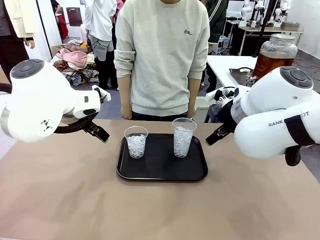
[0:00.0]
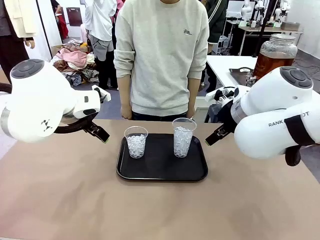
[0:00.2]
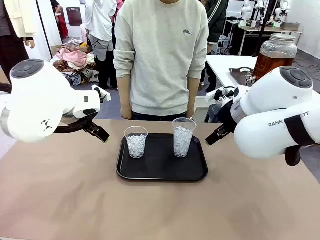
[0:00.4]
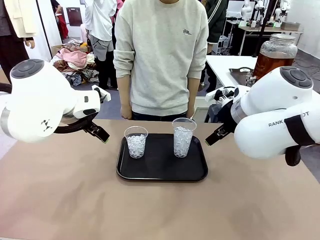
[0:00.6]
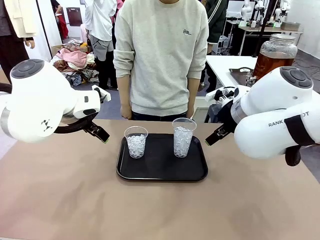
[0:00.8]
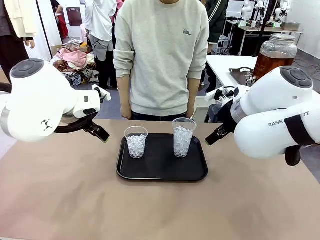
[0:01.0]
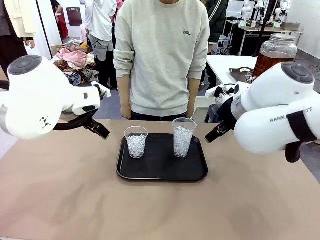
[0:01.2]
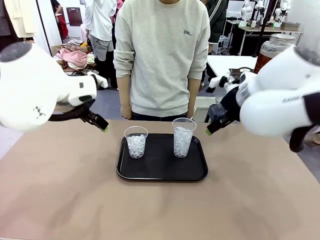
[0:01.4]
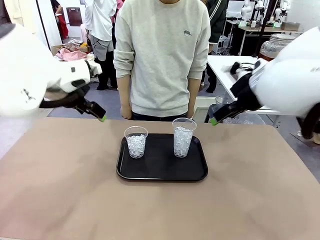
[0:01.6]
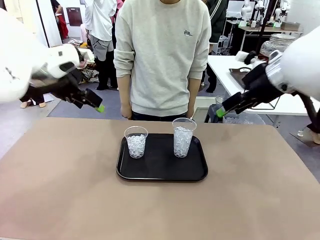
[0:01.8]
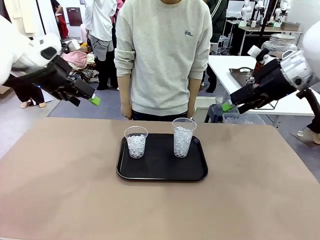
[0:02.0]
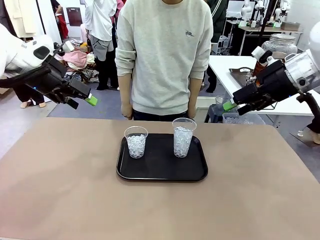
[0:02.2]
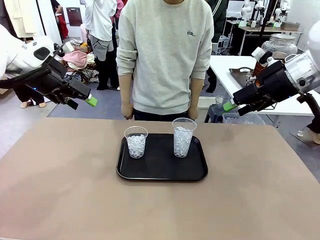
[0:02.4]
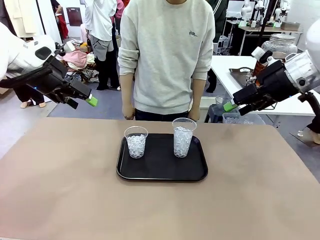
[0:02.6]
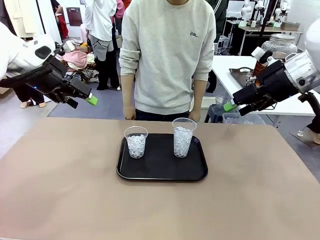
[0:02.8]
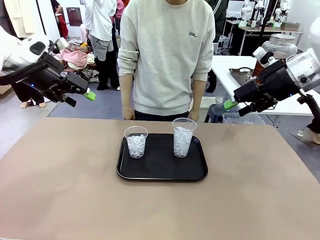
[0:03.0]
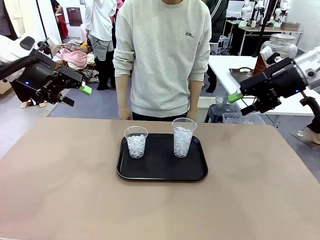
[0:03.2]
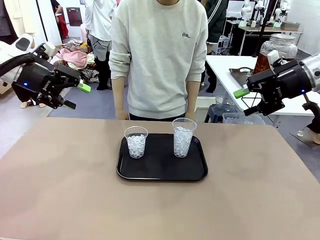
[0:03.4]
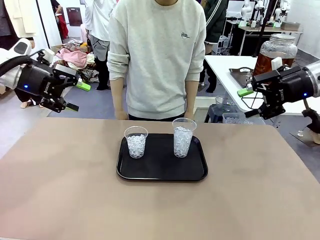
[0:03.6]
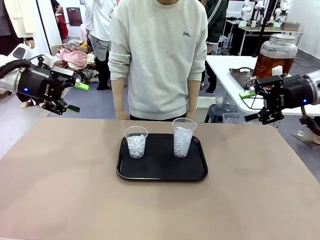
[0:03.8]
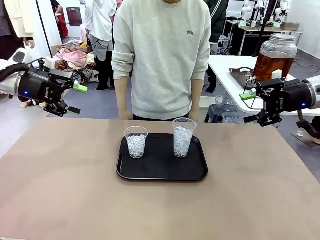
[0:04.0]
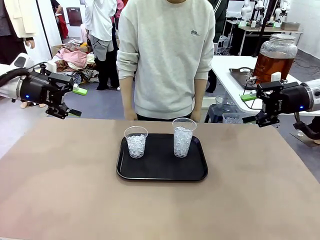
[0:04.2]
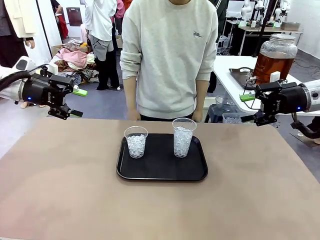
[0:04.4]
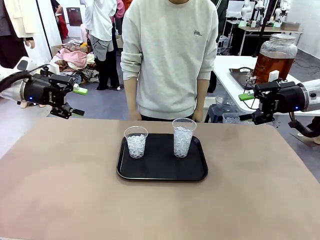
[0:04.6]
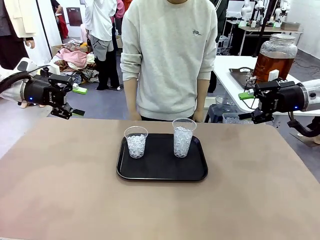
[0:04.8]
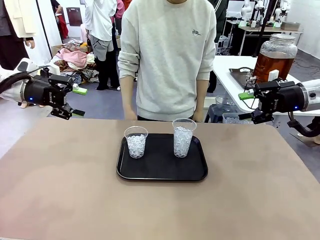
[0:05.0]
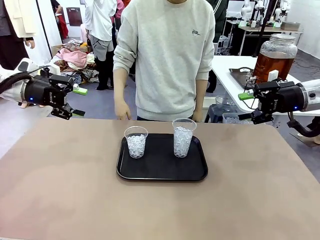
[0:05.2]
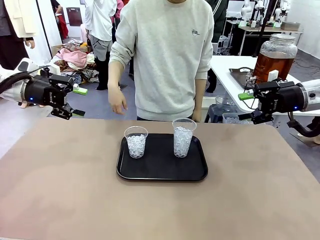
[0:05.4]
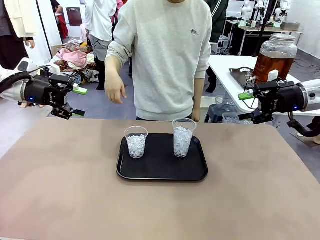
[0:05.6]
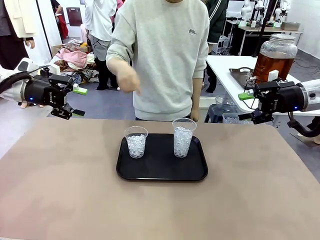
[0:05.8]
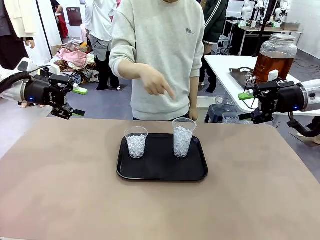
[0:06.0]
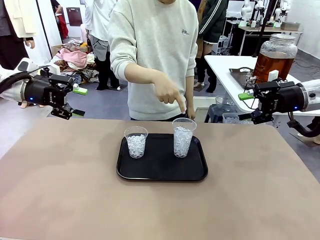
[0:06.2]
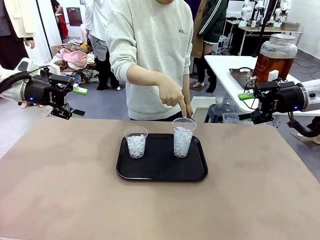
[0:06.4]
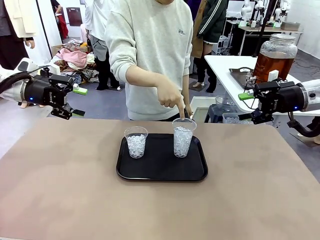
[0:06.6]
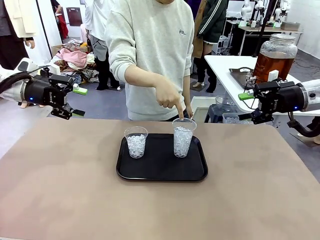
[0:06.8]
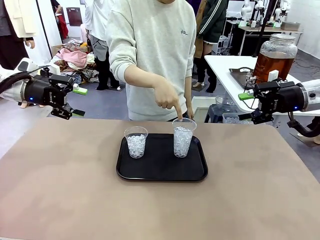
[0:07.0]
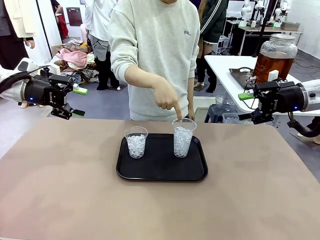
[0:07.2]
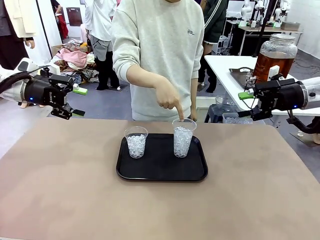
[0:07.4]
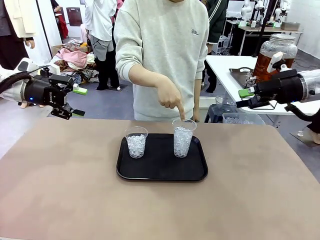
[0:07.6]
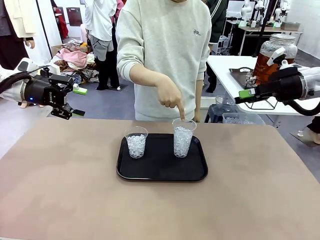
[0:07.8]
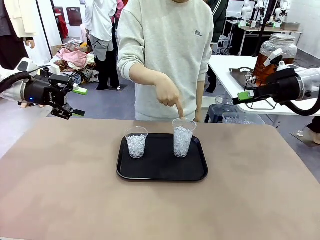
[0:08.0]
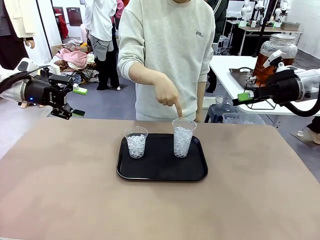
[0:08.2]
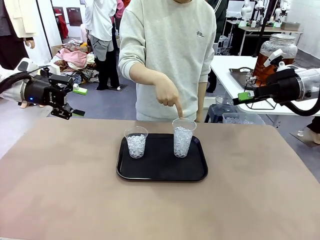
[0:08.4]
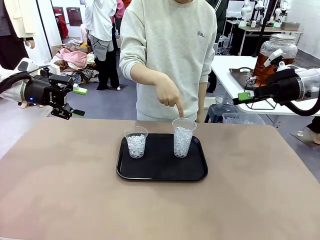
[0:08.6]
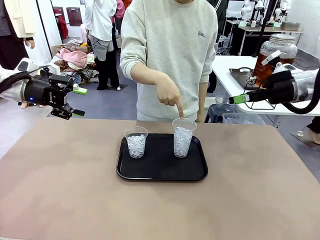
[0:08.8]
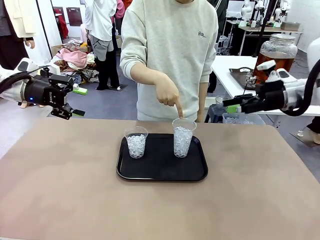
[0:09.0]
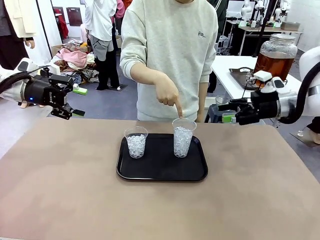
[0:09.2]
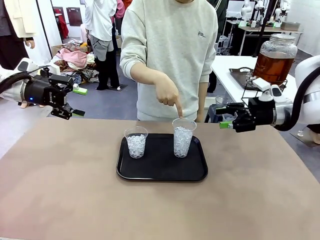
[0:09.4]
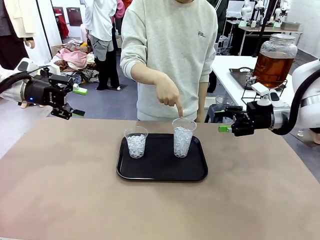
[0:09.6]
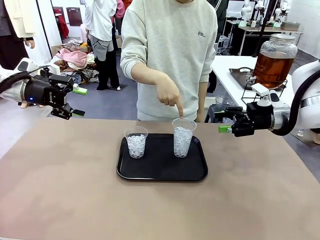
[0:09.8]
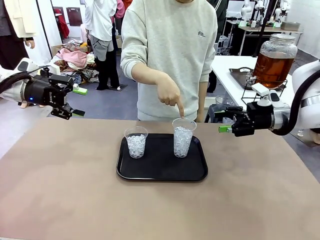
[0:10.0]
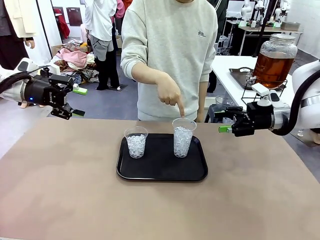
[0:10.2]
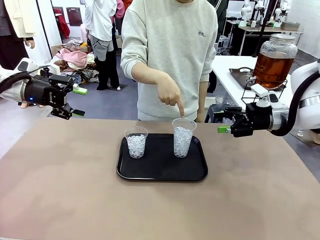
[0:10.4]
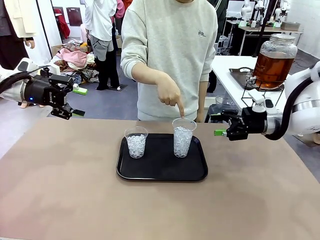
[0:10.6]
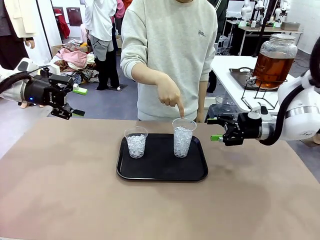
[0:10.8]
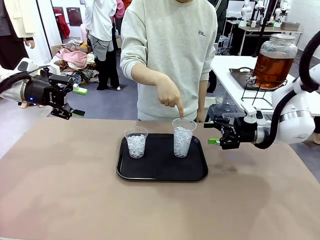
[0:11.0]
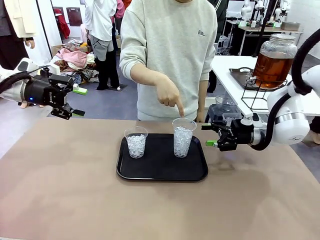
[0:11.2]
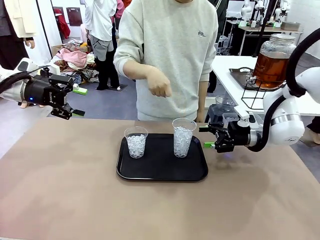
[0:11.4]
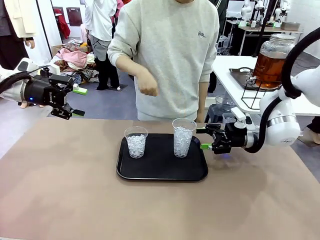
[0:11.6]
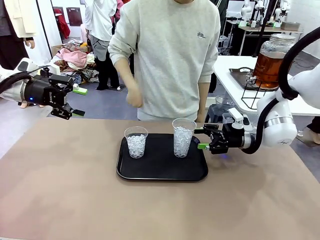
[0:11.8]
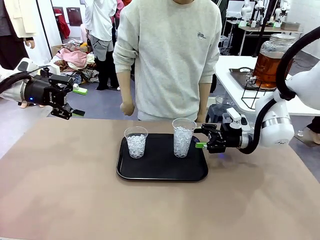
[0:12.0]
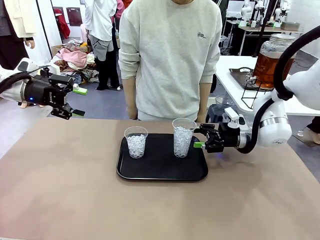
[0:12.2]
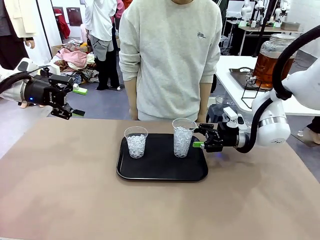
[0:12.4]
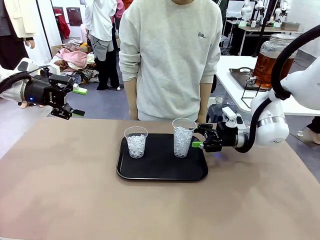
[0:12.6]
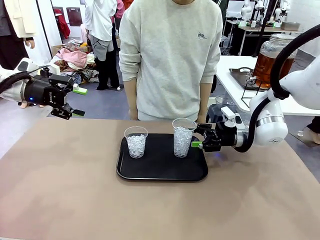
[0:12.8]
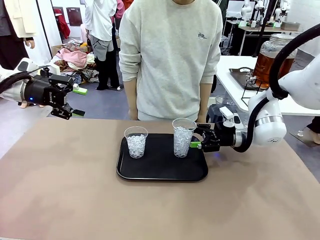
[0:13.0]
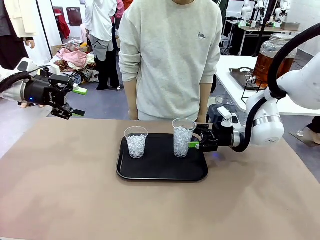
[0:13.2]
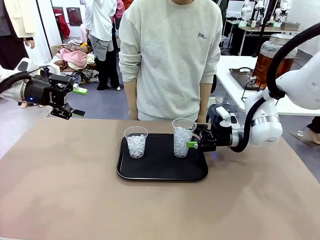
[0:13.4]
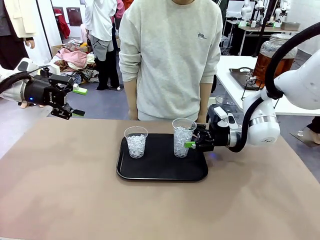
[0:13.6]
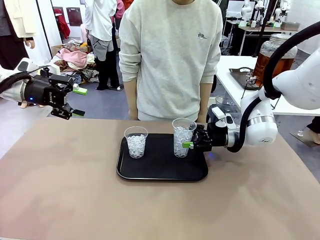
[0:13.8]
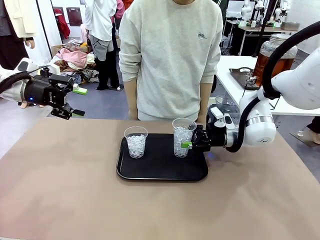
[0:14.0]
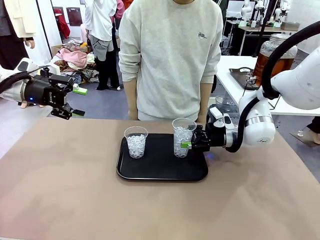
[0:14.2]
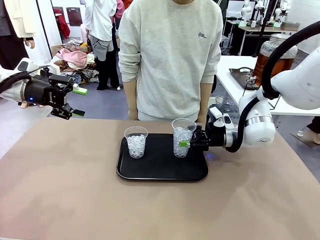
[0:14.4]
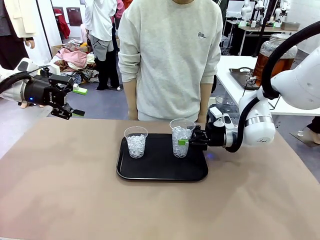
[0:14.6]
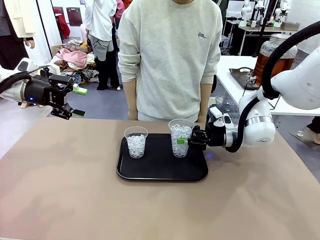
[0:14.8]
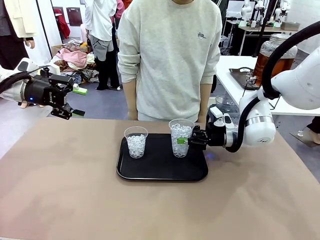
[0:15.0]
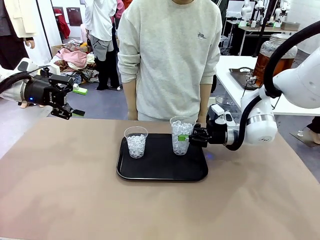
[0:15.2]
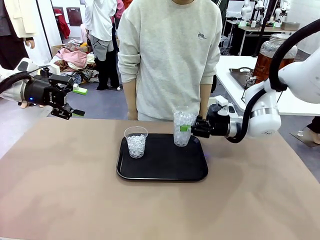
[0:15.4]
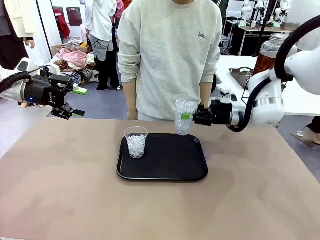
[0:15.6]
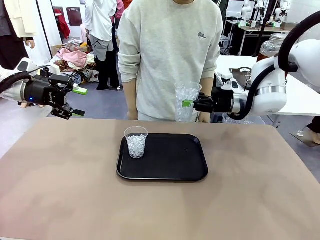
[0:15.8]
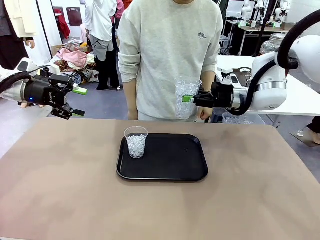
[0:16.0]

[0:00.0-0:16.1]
Task: Pour the drink into the iced cup.
Robot: Pick up the iced cup indicated by the human and present it to them.
Person: Point to one of the two ice cups. Pick up the cup offered by the robot.

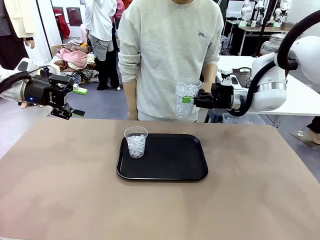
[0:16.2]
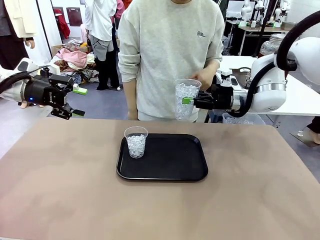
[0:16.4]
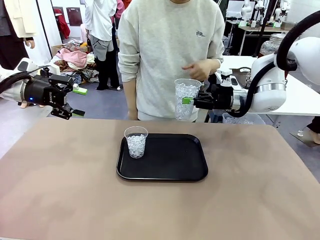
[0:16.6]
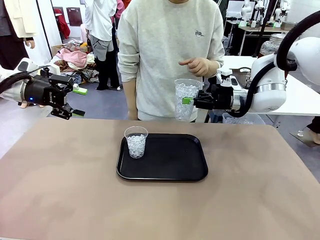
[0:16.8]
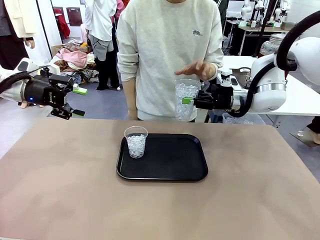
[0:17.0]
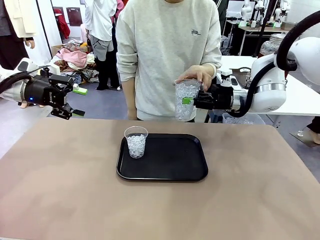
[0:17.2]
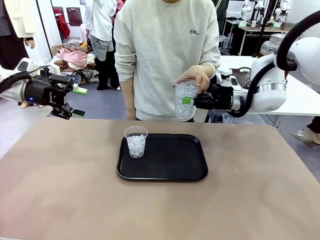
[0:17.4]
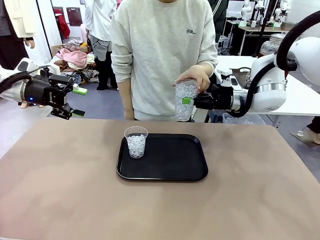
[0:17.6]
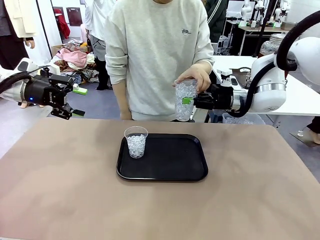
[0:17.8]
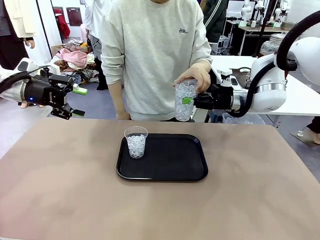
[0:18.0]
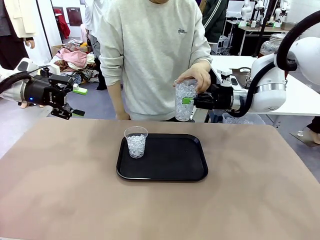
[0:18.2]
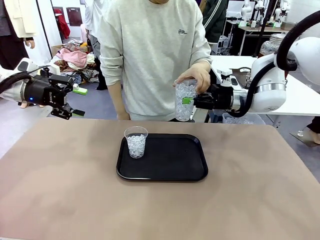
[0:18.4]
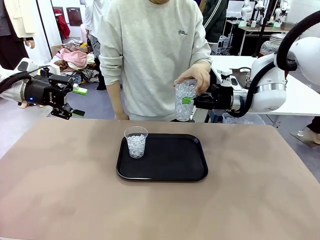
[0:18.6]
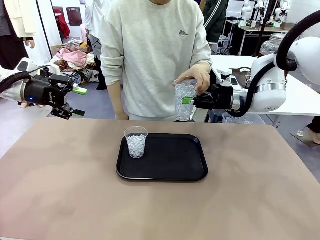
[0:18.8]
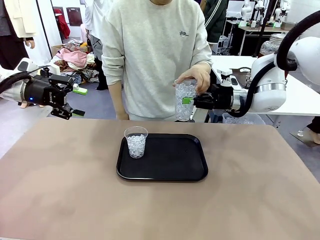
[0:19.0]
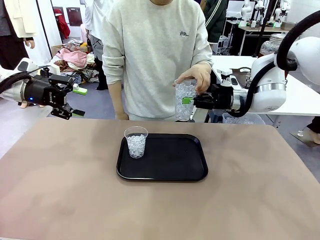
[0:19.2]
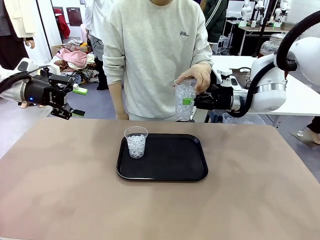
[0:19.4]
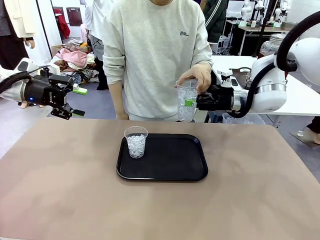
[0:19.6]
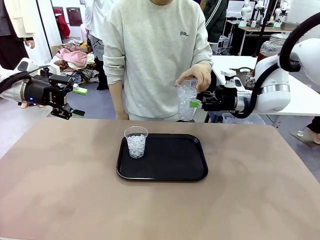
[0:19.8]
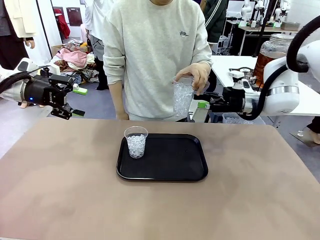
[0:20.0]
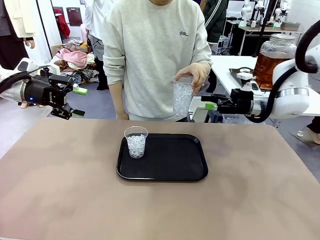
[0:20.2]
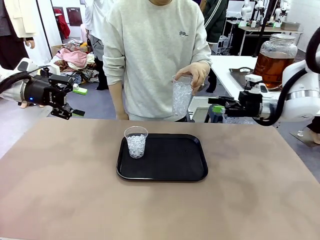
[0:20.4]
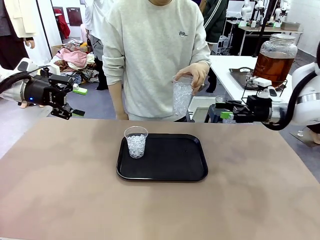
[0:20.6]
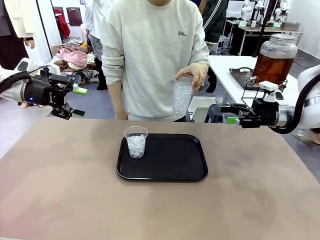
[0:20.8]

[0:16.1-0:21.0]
Robot: Open the gripper to release the iced cup you were holding.
